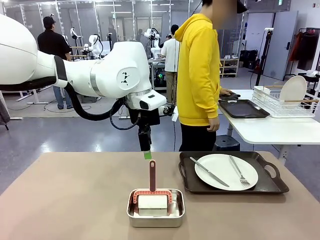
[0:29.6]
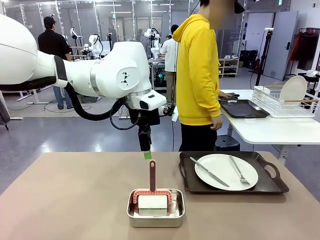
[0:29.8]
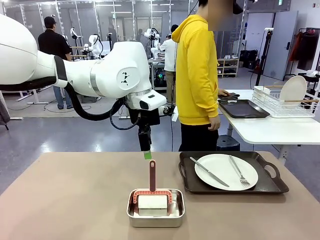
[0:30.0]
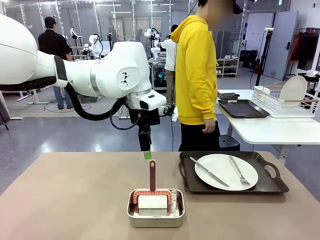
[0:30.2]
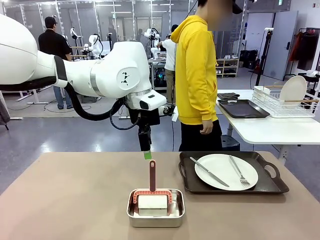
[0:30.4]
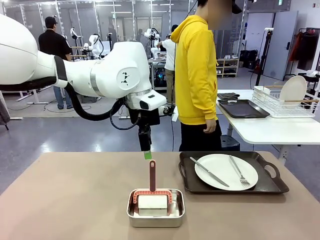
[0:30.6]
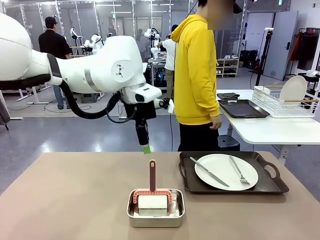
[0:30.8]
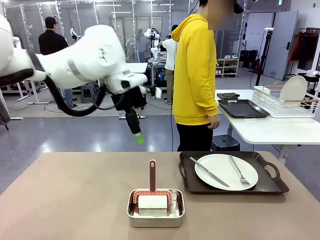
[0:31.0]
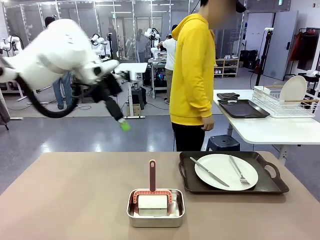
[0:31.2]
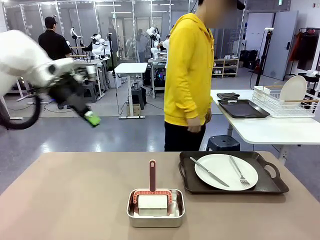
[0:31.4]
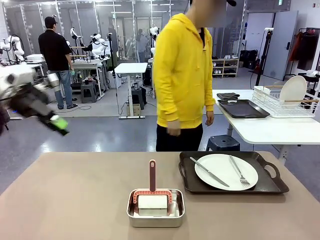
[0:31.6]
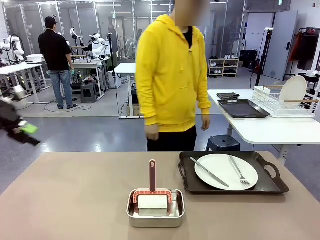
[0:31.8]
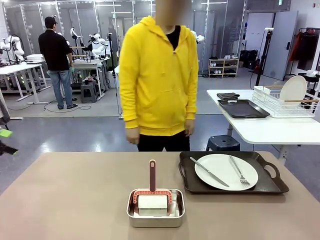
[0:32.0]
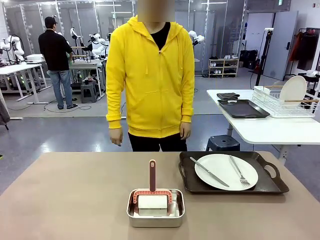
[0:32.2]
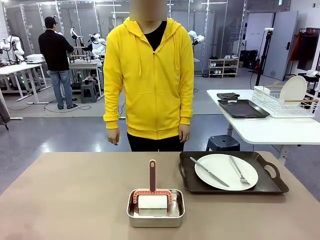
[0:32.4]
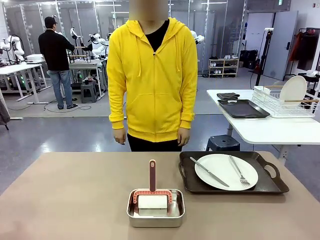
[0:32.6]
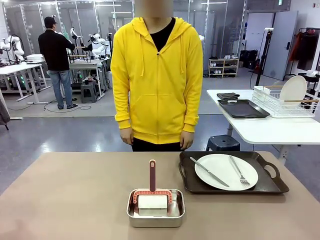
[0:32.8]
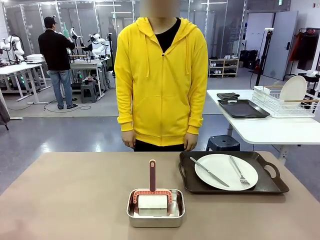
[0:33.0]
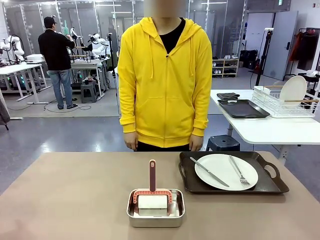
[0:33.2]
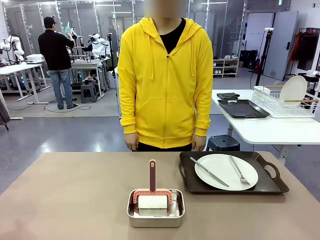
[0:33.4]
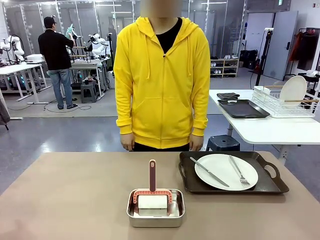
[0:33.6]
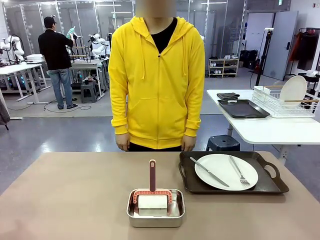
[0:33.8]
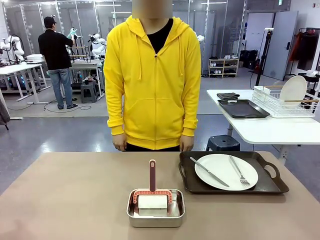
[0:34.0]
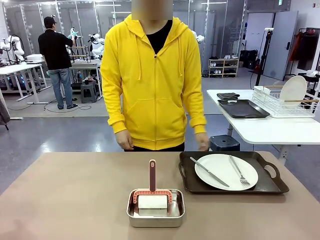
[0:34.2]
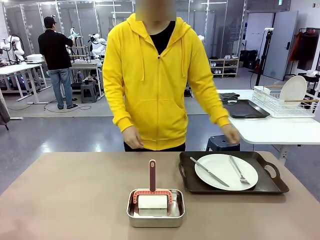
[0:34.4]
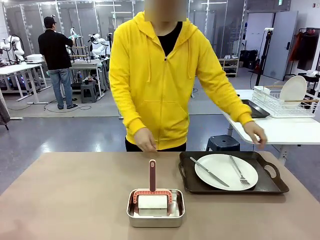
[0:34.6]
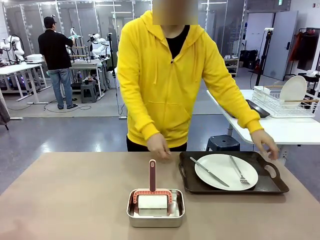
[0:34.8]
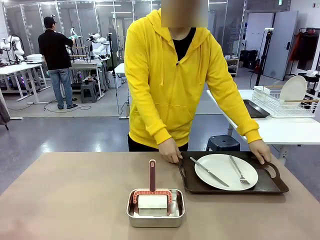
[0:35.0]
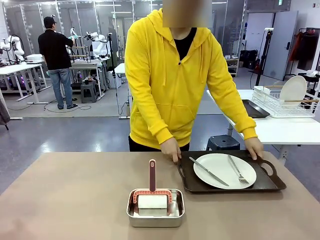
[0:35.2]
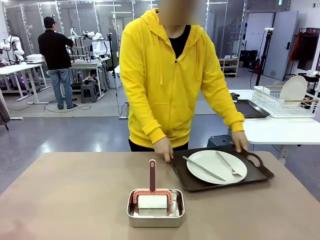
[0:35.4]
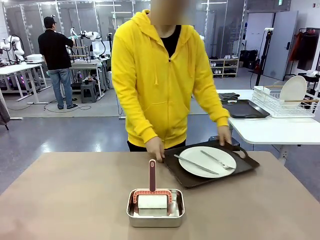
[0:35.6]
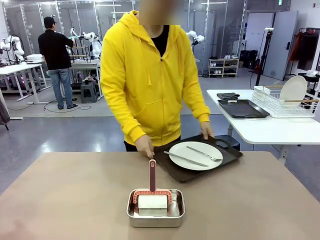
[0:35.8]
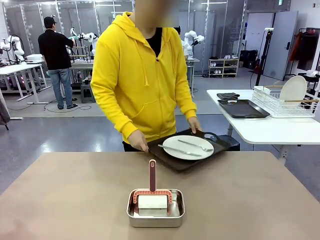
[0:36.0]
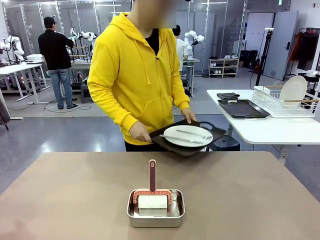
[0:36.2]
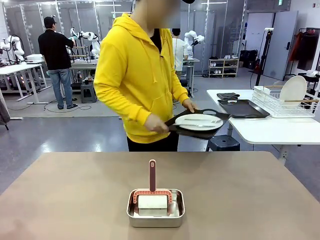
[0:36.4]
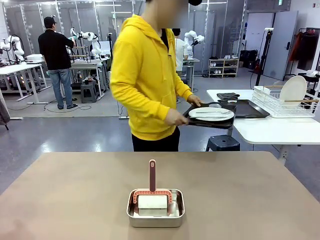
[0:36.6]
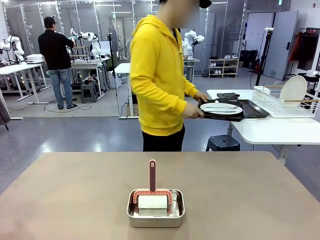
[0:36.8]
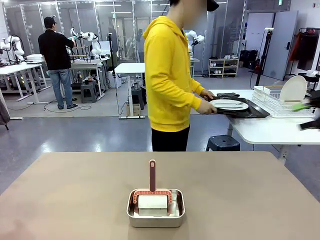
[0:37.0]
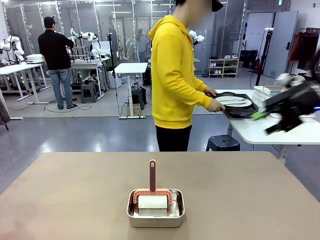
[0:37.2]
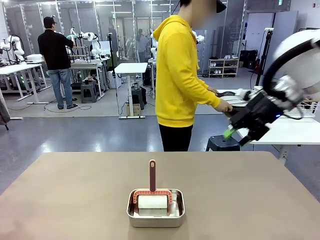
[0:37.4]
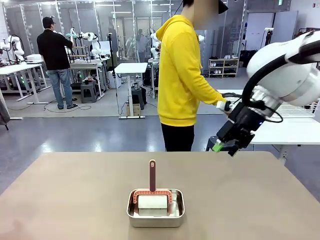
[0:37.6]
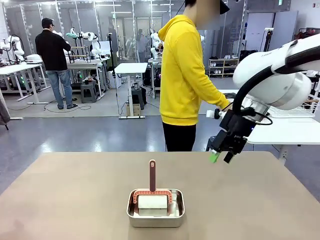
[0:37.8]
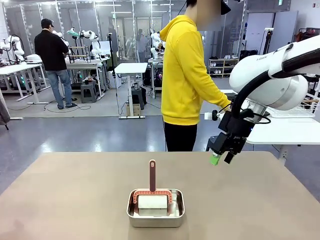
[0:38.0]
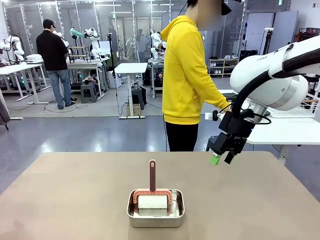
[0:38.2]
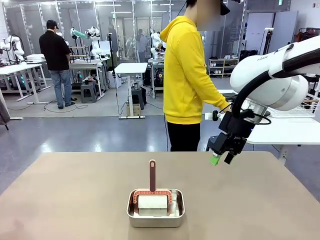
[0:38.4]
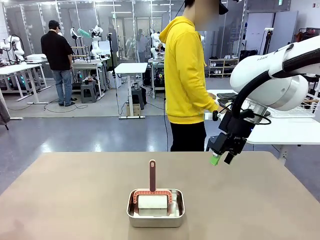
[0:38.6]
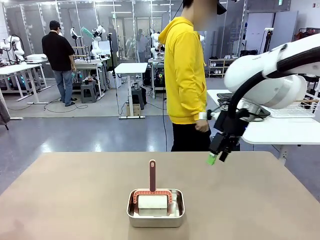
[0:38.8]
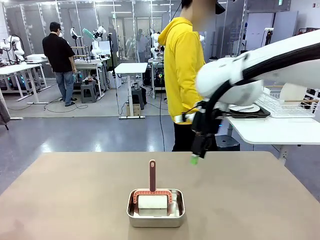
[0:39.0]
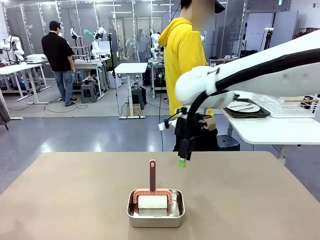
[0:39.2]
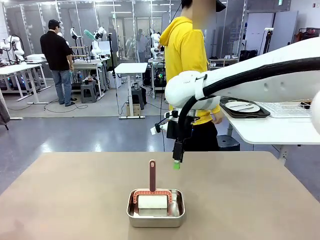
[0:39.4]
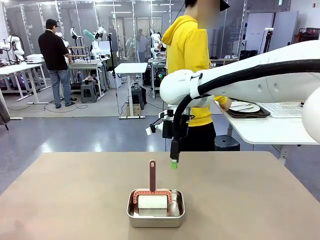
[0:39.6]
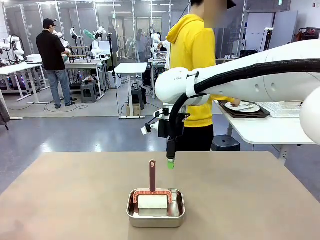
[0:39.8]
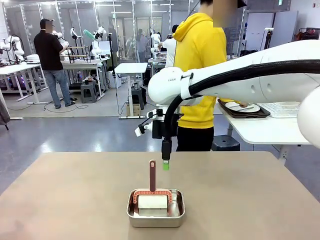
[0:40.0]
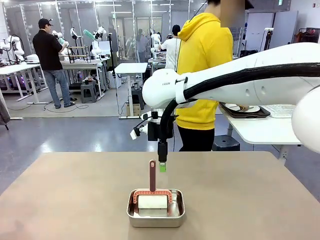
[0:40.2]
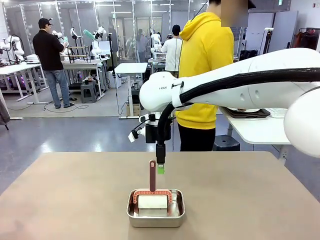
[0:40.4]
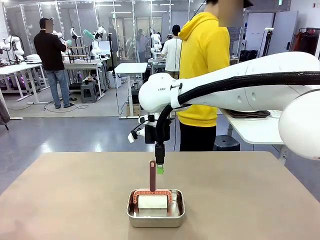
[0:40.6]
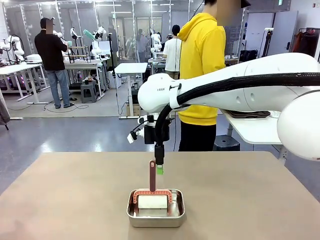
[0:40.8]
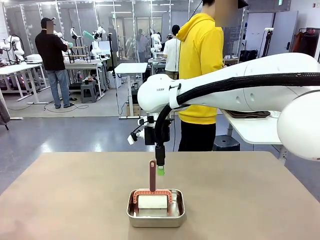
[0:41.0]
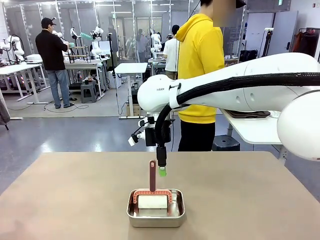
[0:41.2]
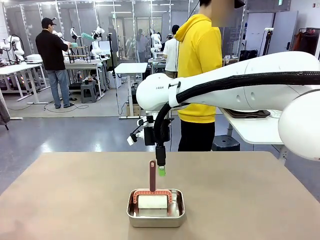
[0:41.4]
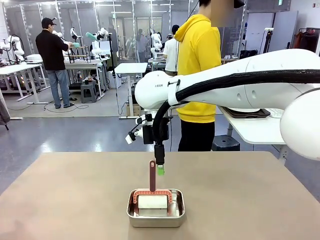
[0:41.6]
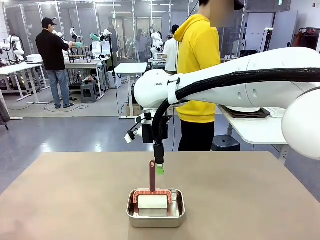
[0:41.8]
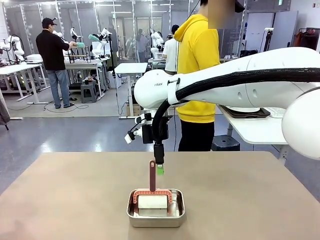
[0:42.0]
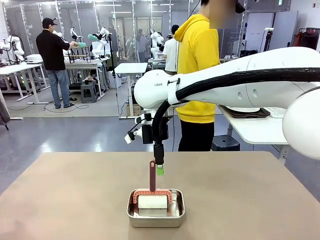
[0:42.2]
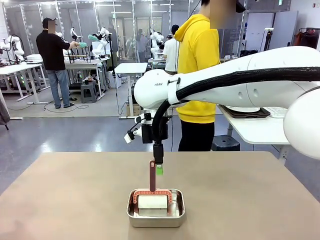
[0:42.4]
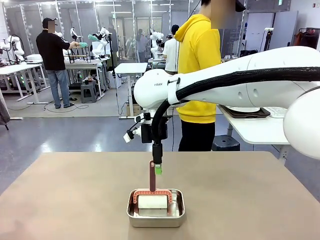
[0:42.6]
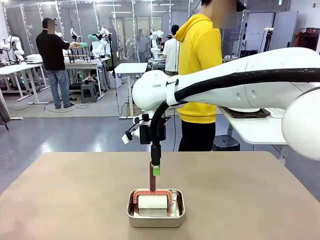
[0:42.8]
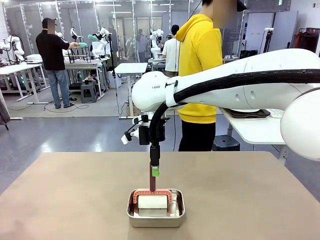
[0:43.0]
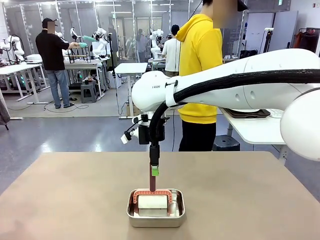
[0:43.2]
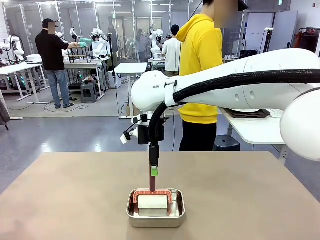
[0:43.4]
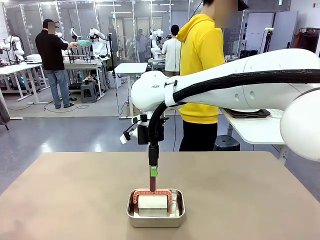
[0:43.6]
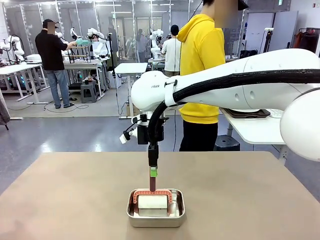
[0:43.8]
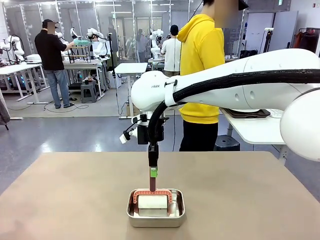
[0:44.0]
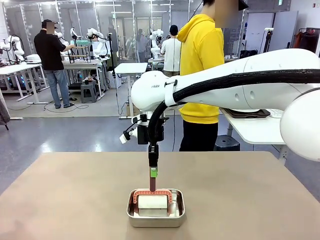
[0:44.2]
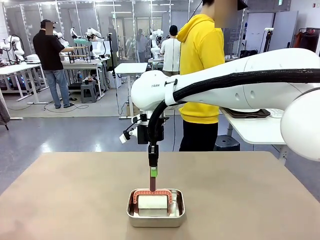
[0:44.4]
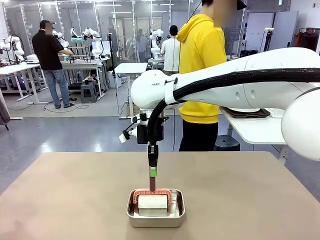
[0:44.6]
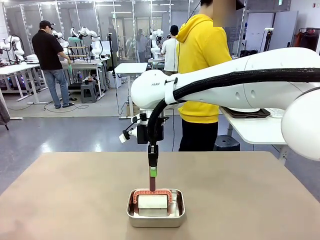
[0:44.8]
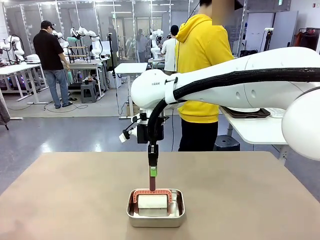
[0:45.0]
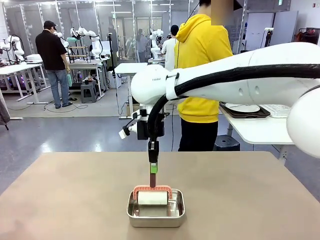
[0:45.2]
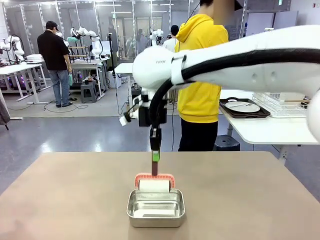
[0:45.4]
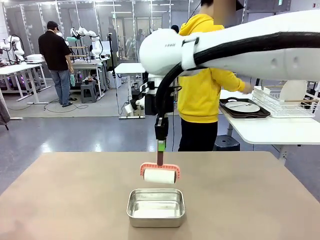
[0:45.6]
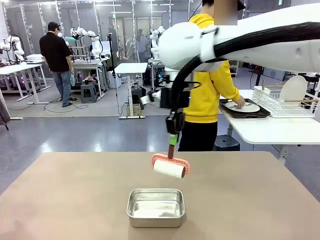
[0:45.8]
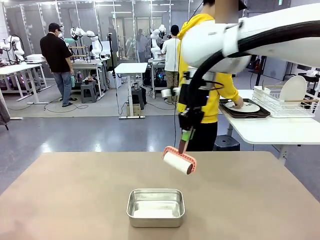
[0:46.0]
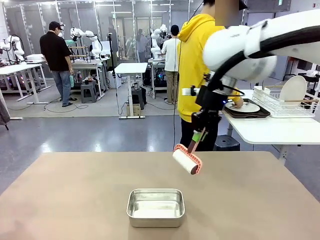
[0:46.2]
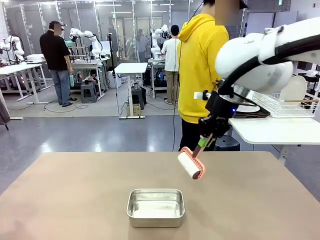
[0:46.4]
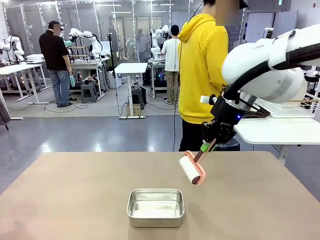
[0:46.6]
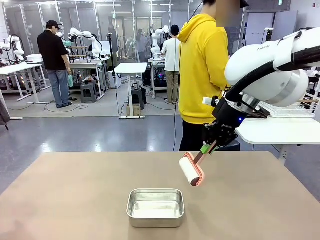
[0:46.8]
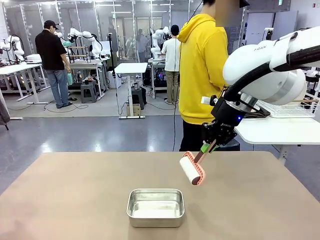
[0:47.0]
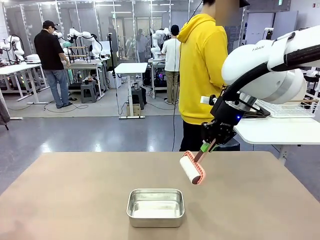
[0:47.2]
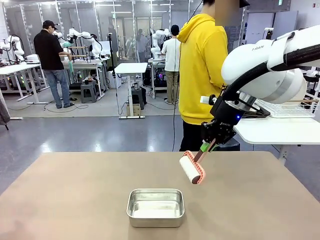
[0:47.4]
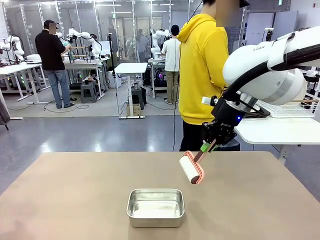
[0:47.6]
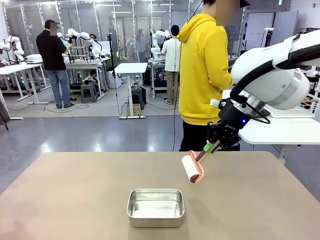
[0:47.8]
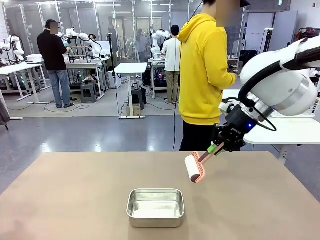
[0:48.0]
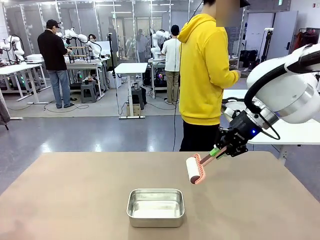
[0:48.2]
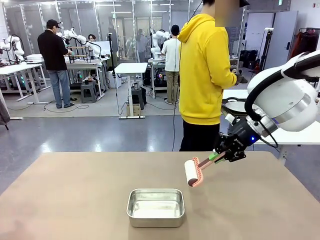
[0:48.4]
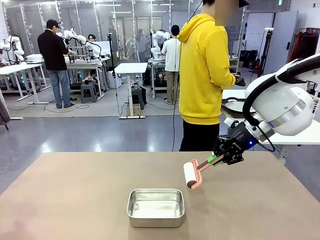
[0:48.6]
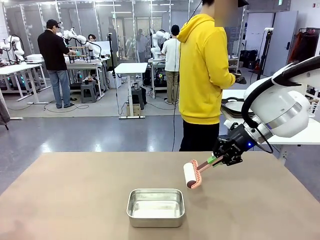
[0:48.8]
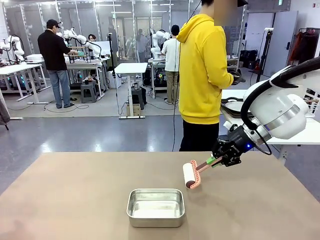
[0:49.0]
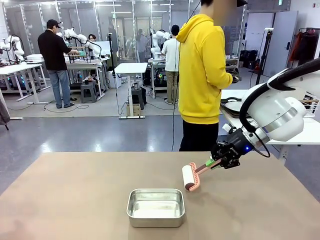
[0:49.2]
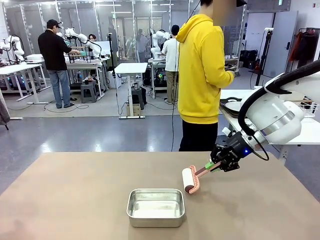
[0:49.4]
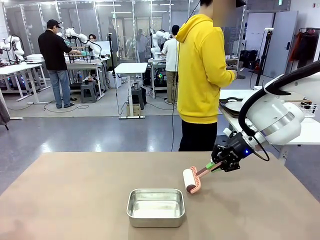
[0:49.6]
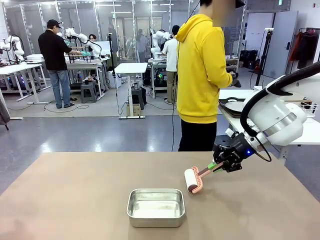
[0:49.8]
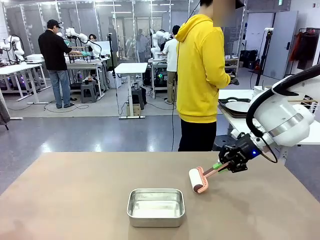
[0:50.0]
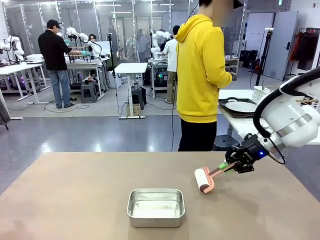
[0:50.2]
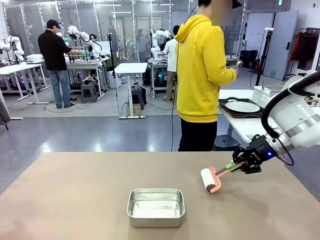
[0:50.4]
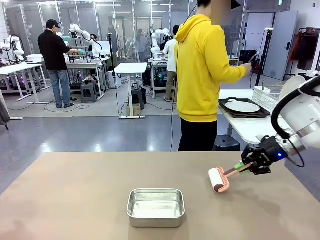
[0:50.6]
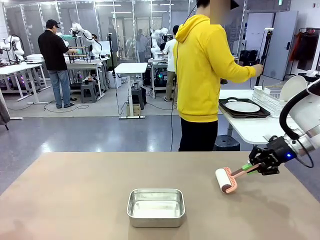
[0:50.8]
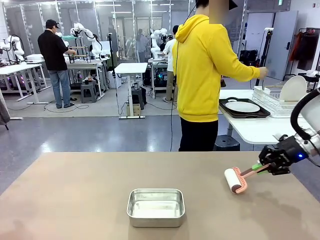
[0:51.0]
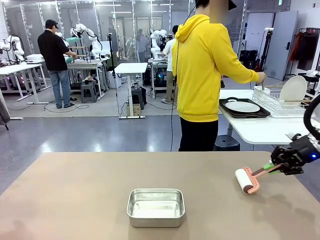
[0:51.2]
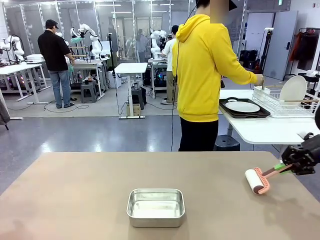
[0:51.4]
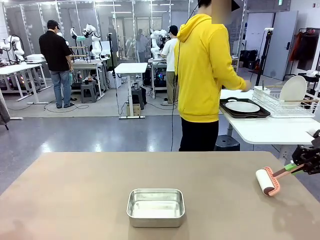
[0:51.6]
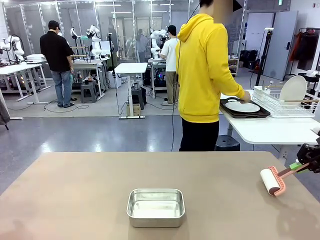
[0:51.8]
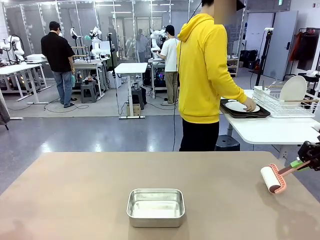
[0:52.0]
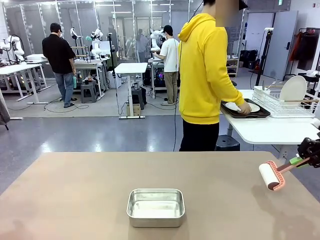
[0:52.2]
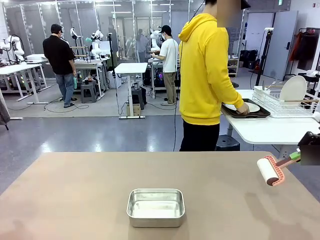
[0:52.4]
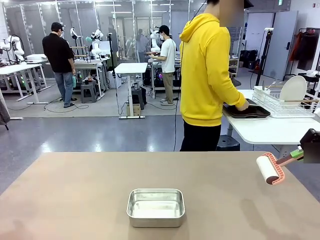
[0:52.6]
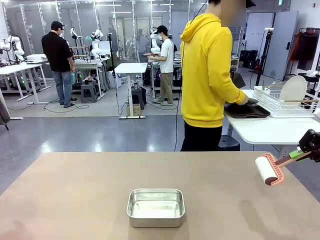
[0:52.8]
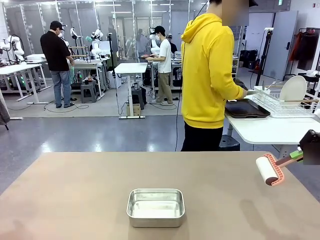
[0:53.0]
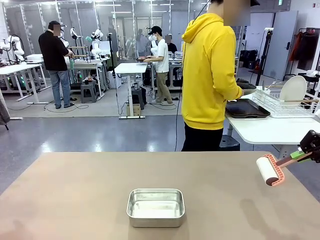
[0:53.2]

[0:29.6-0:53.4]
Robot: When the right (or left) Handle tray is removed, use the right hand (or left hand) to clean the right (or left) side of the table with the Lint Roller.
Person: Pick up the left (or right) Handle tray and place it on the Handle tray. Use the Towel with hook to wipe the Plastic Matte Plate , Fork , and Knife and place into the Dish drying rack.
